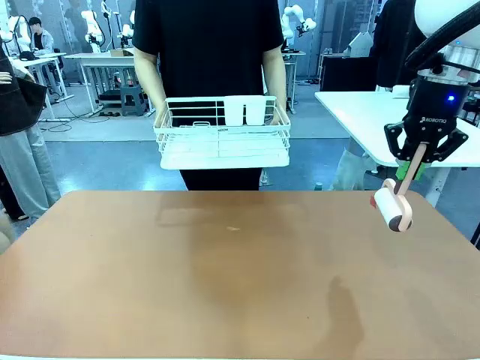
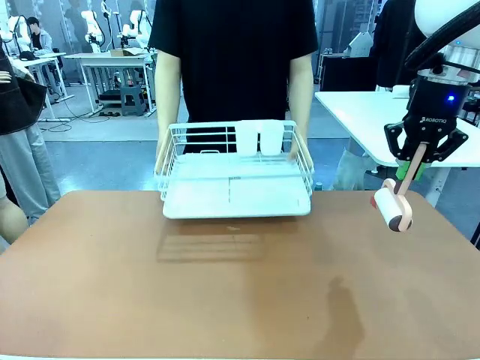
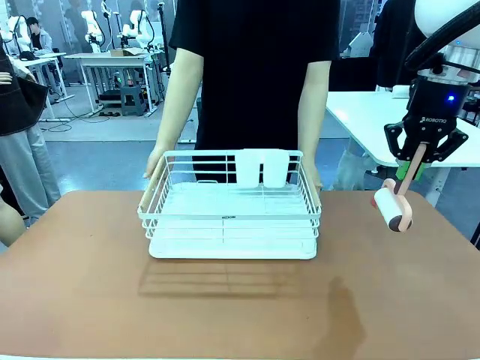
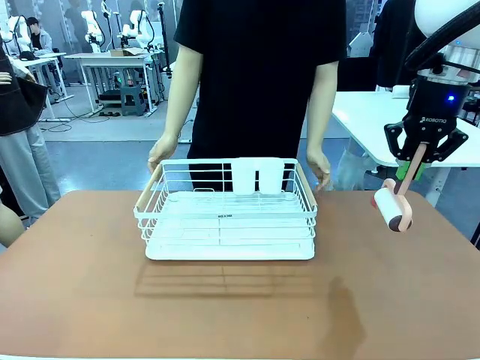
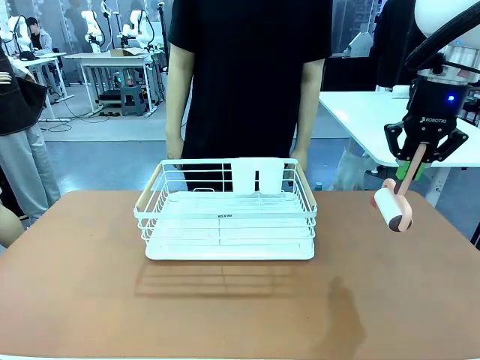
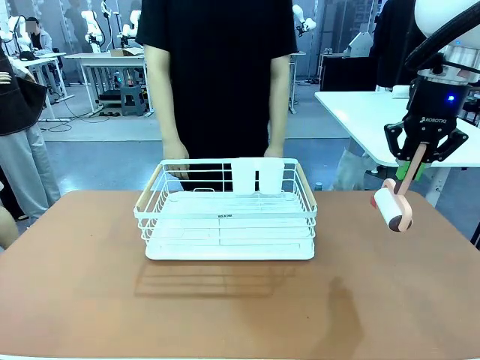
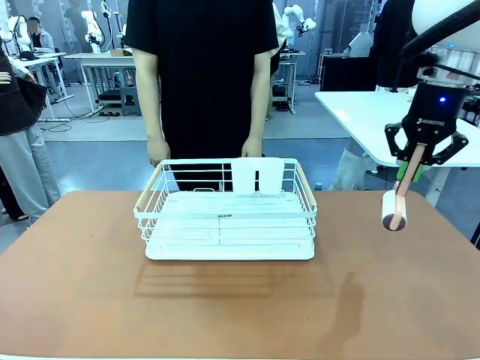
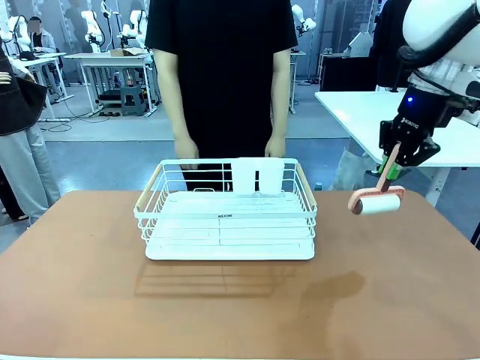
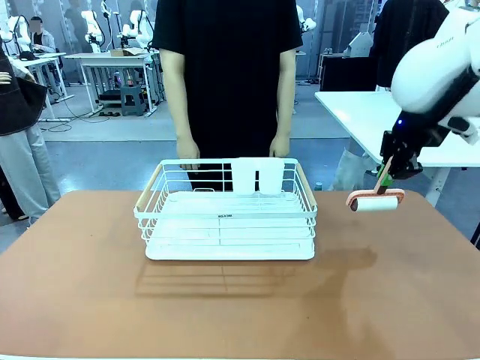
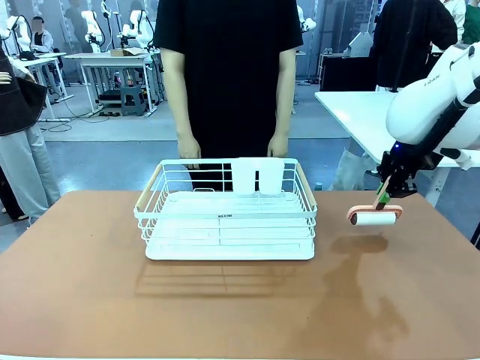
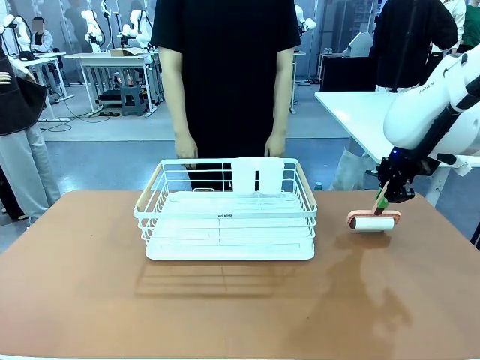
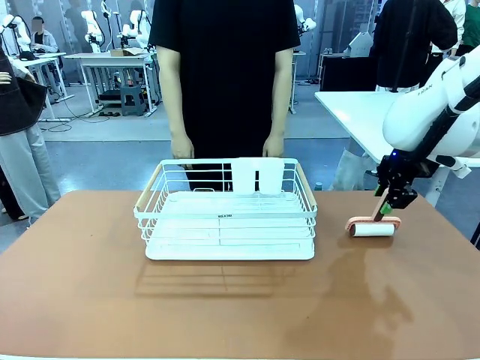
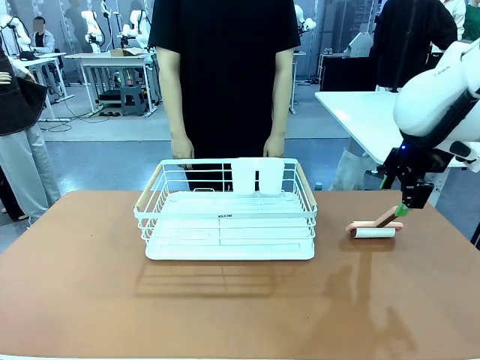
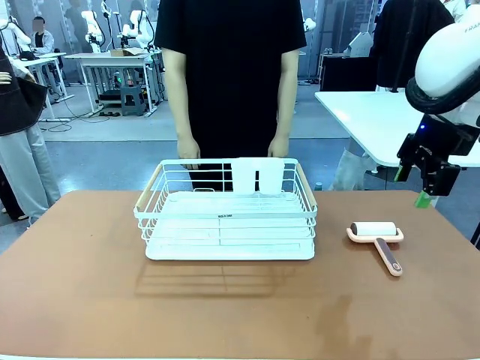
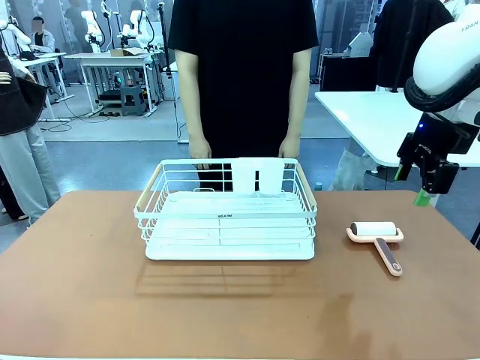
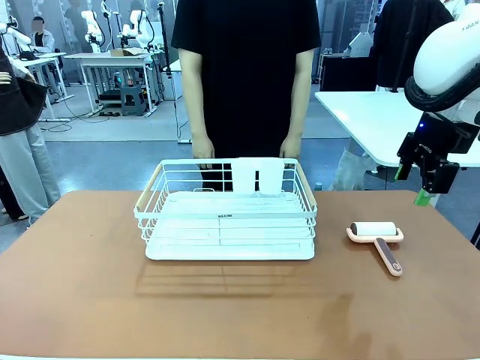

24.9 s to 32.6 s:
Task: Clean the table.
Robot: Place the Lint Roller down when the Dish drying rack is positioned in the middle of the table.

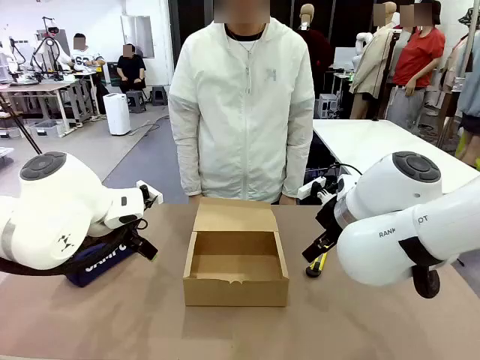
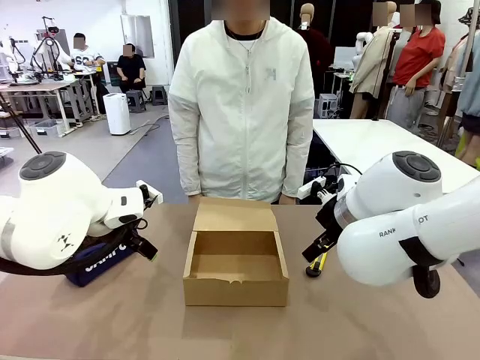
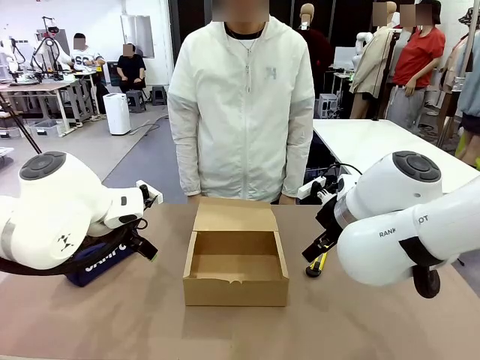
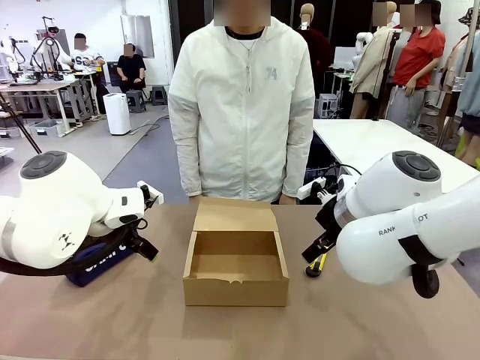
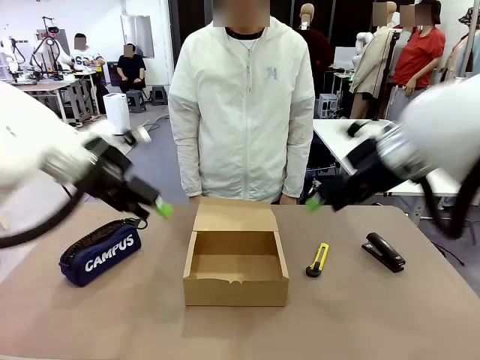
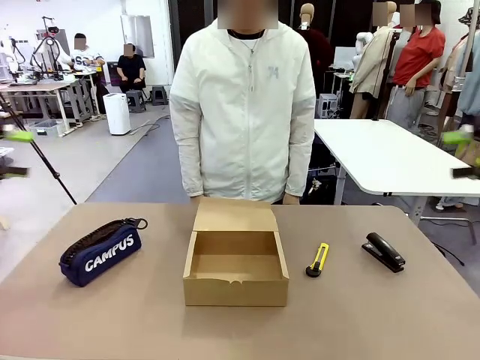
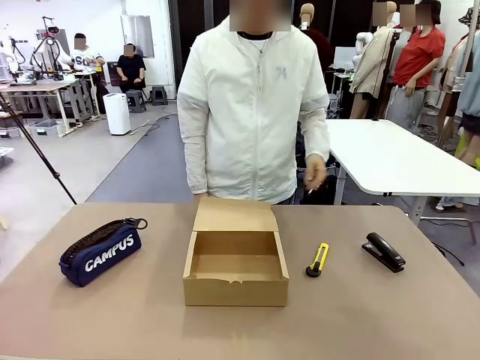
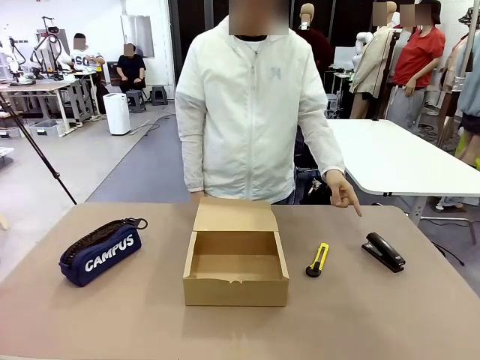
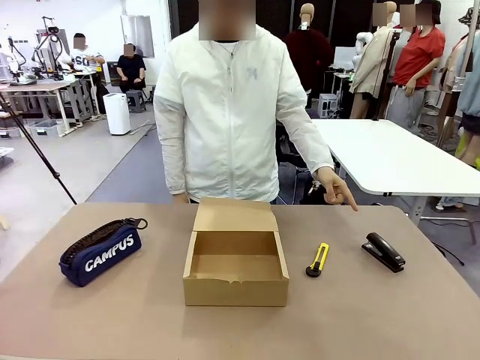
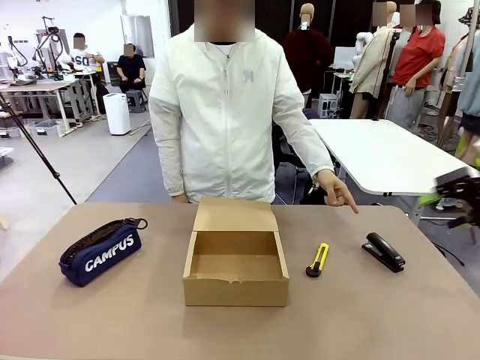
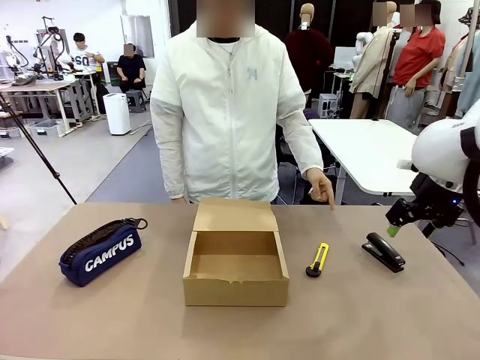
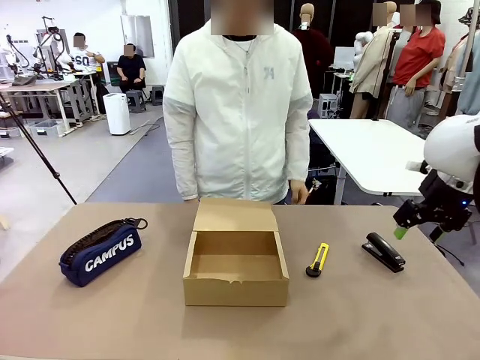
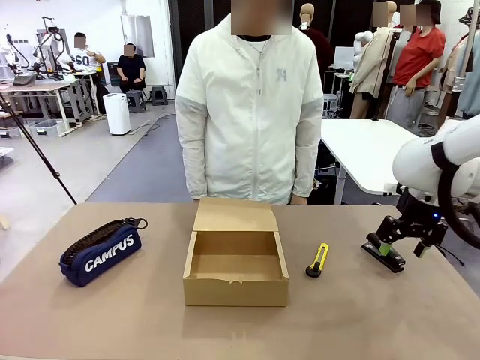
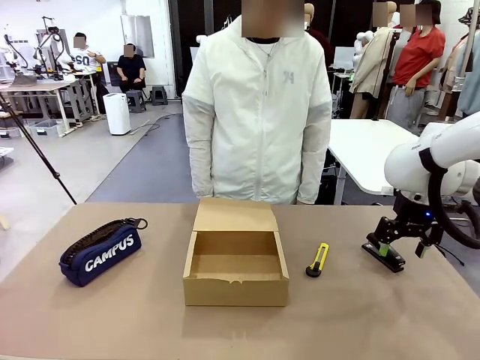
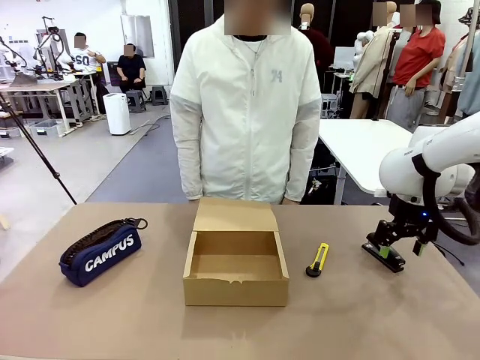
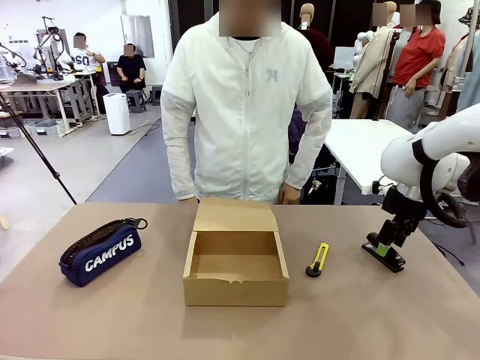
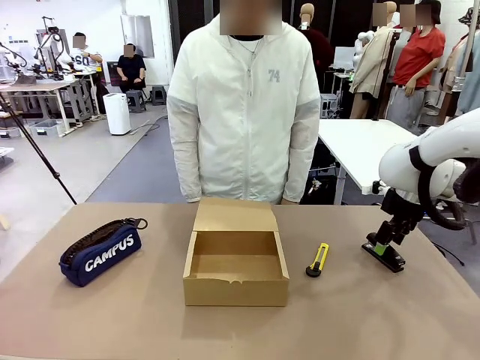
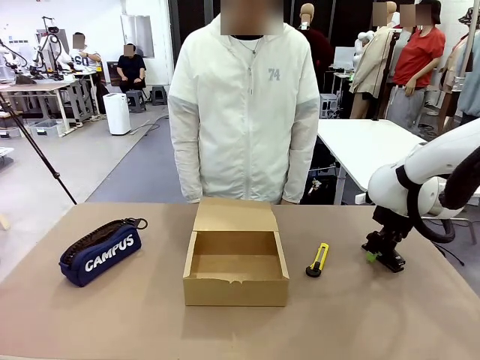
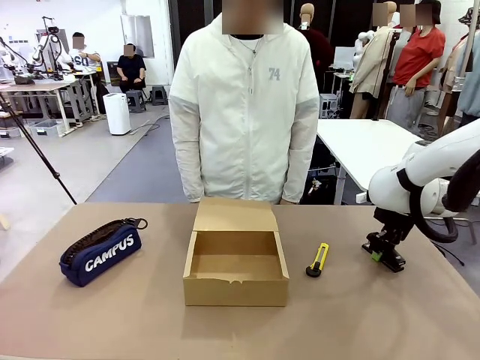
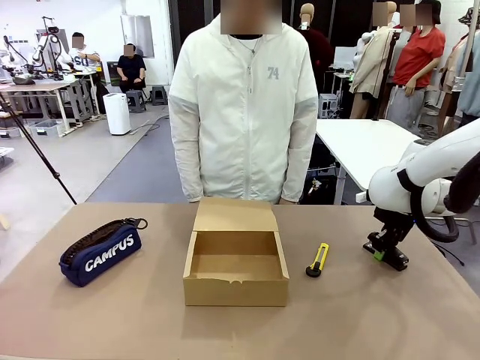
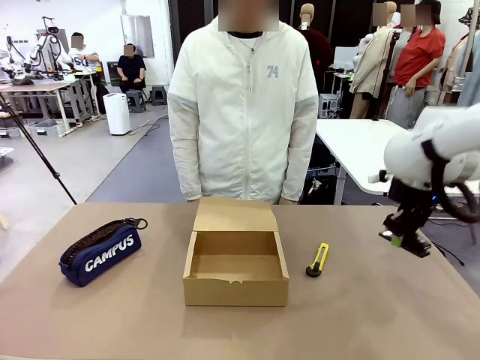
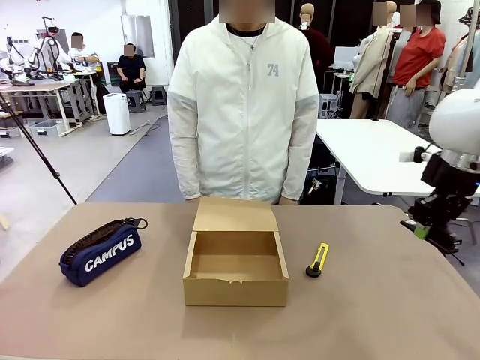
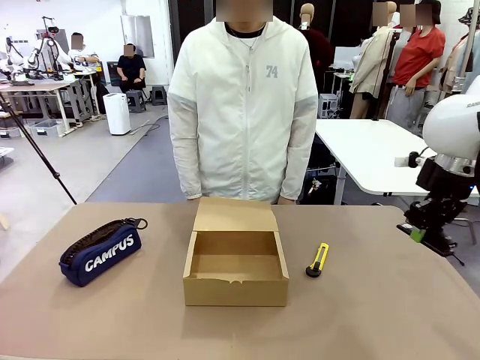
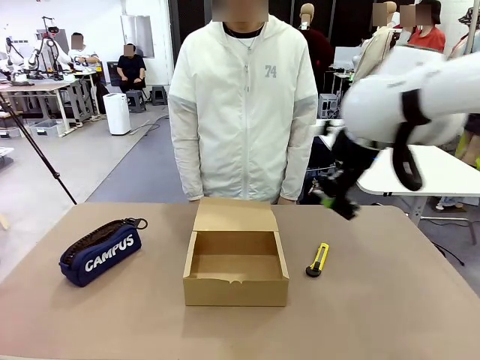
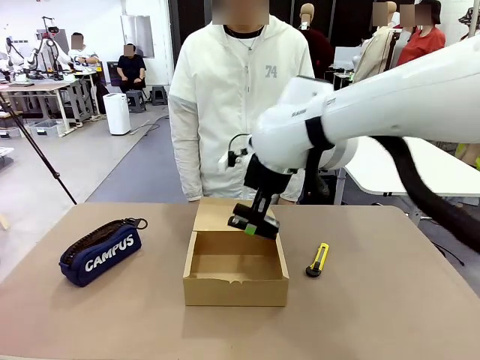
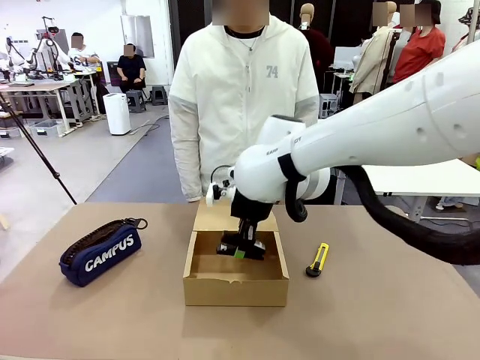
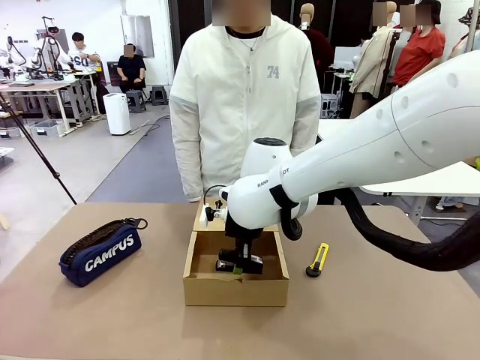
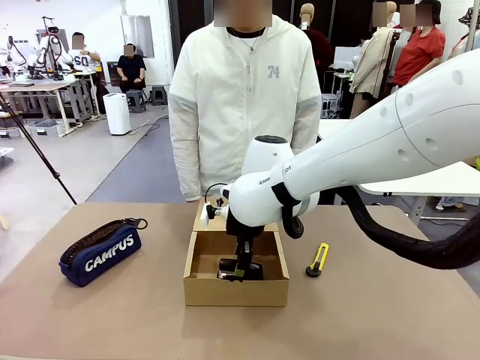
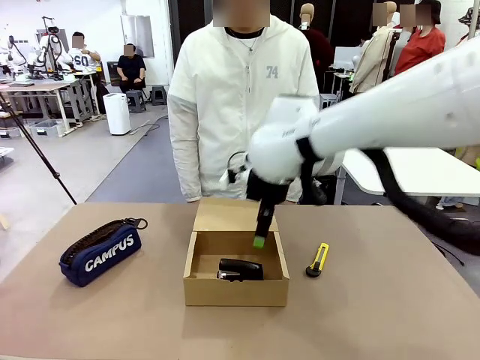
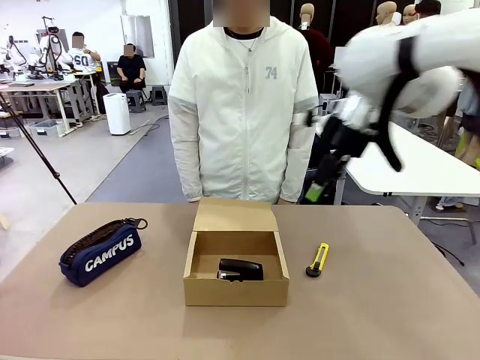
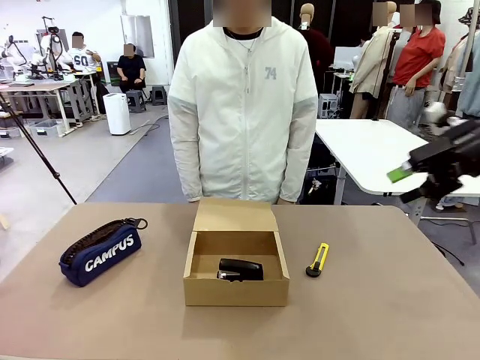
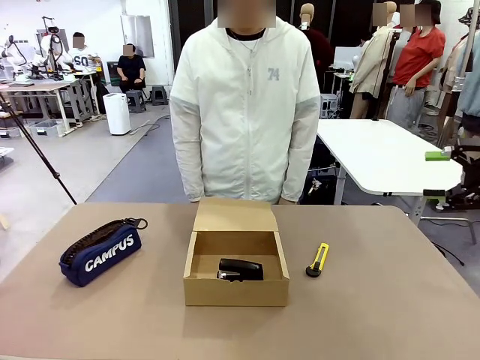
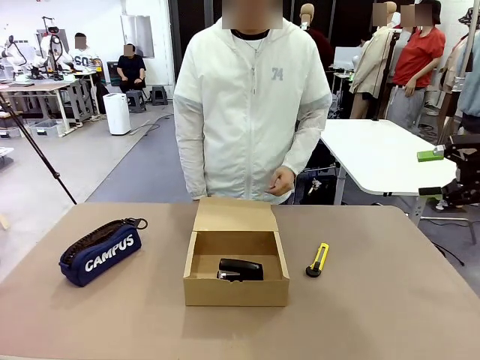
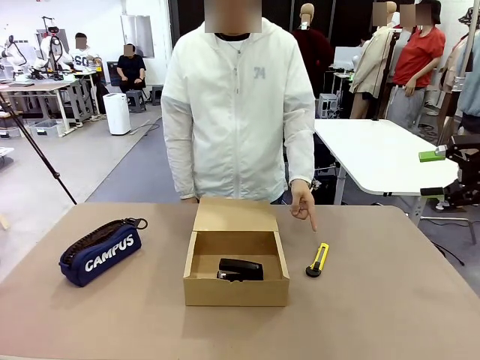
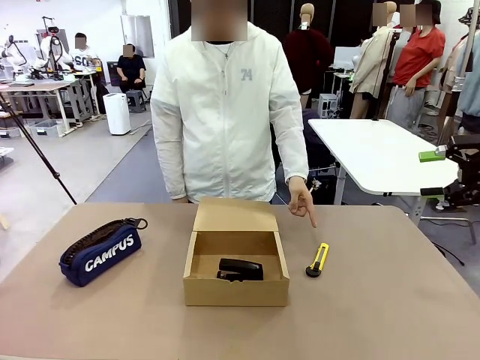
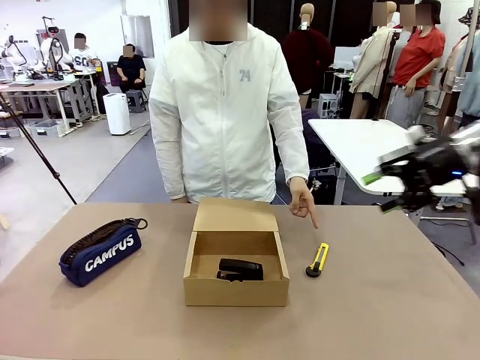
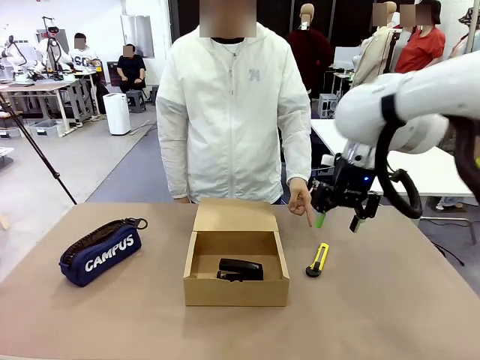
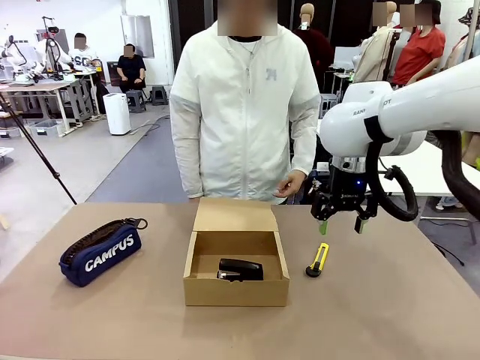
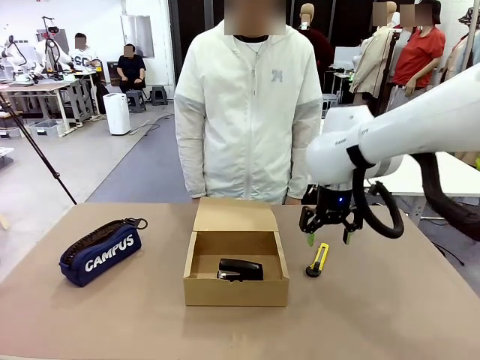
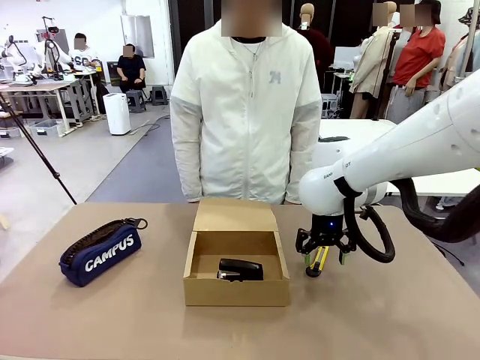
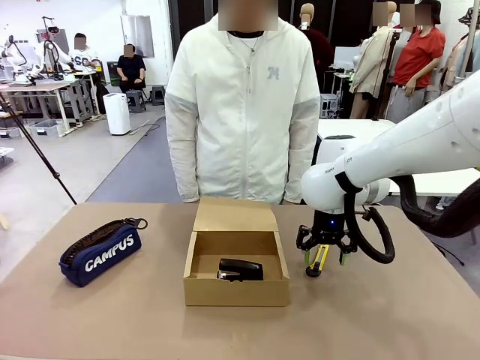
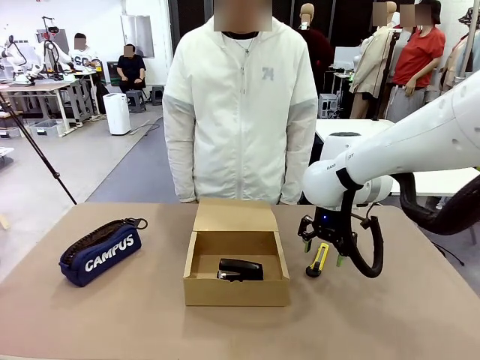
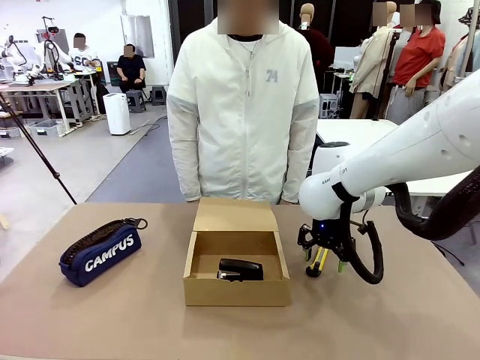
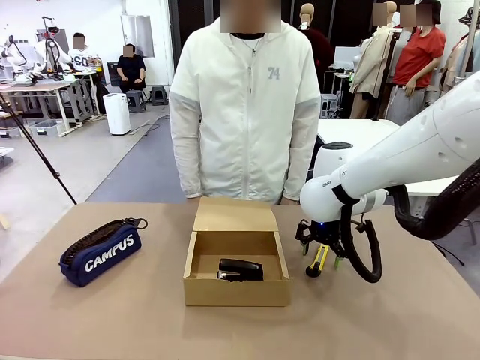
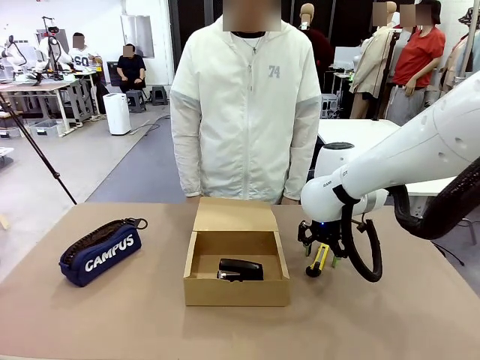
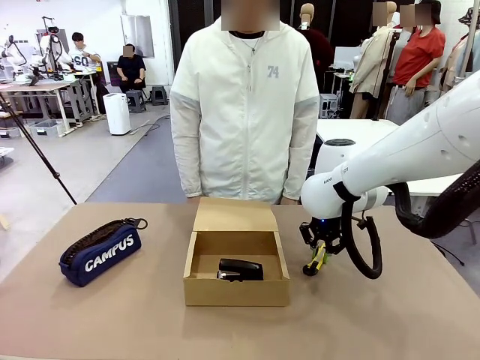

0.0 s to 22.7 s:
Task: Pack the items into the box.
Robot: Pick up the item indicated by the person and place it inside the Mailer Box.
Person: Point at one item on the table (excluding the box).
